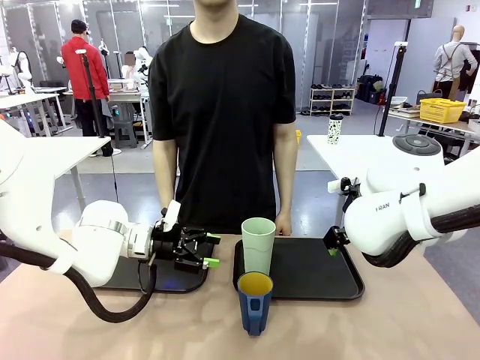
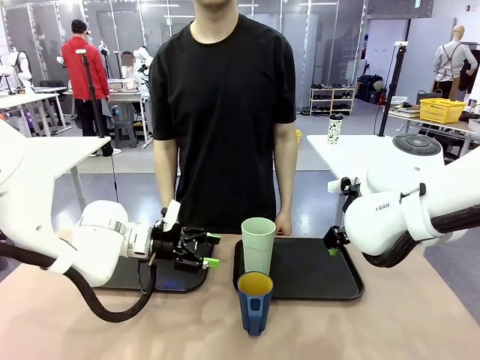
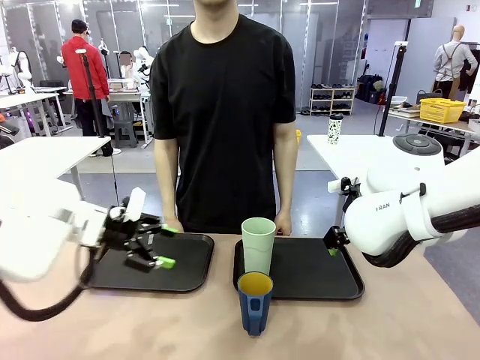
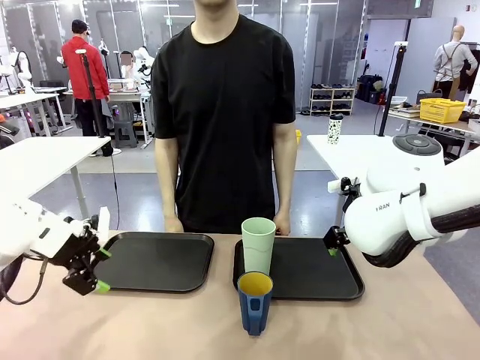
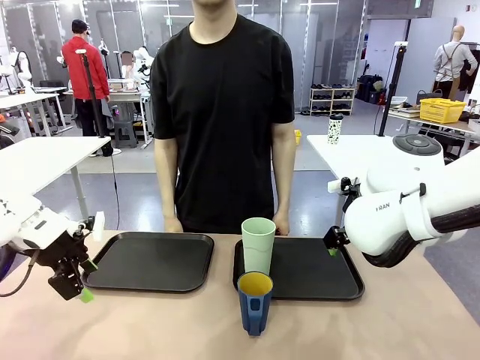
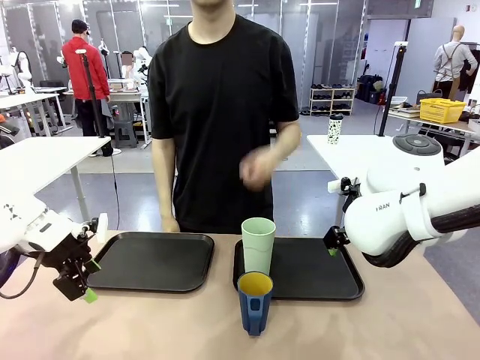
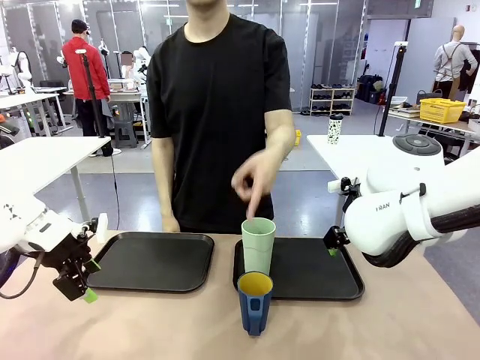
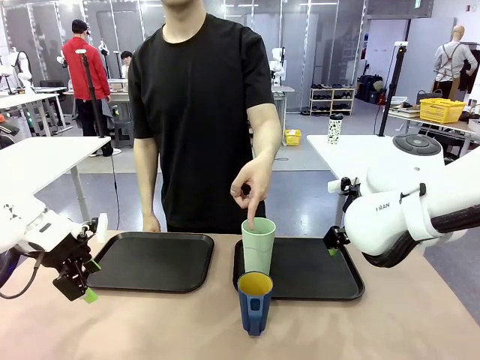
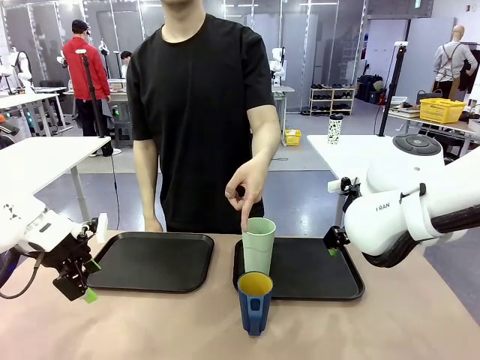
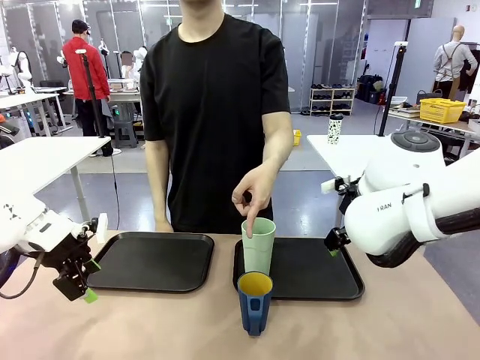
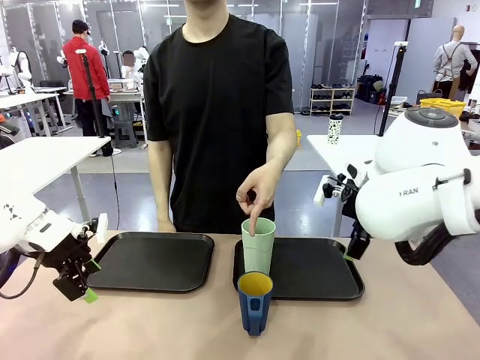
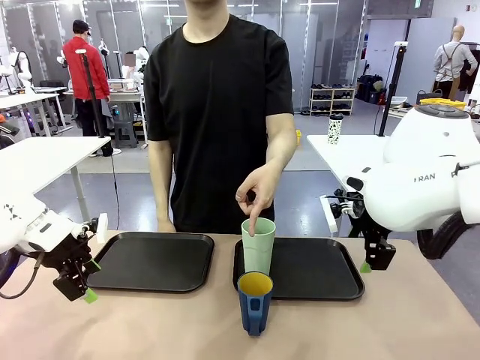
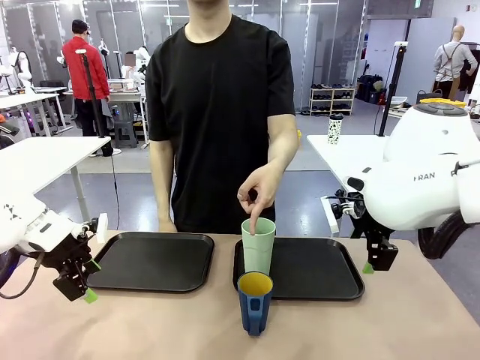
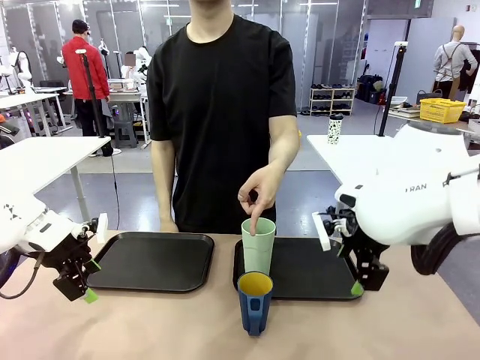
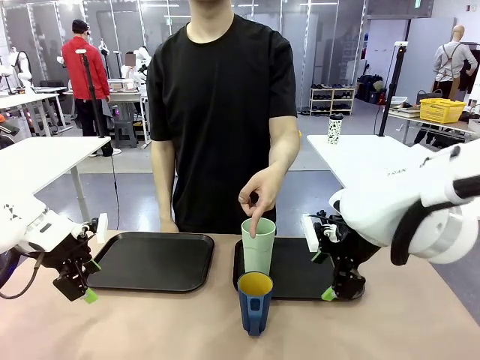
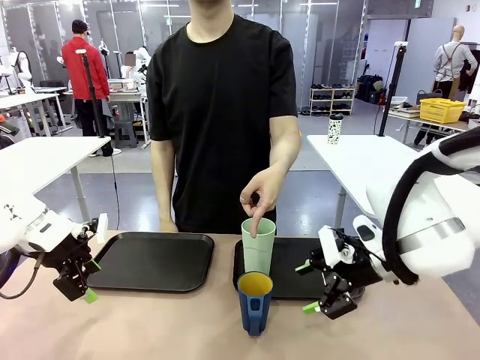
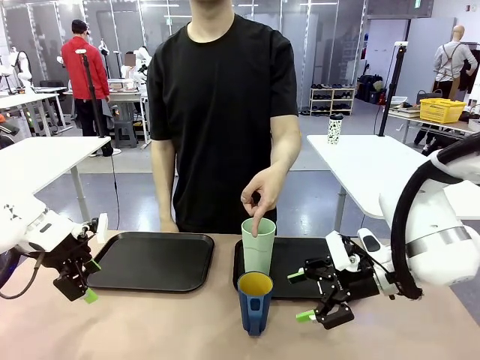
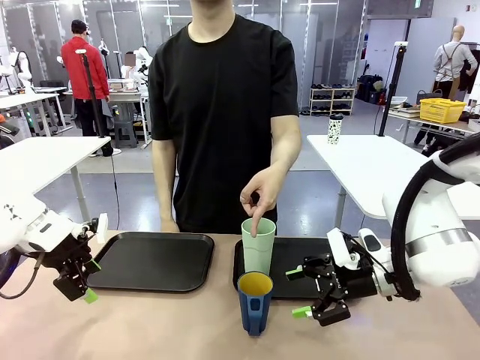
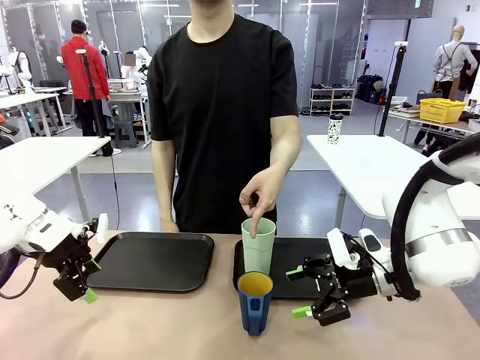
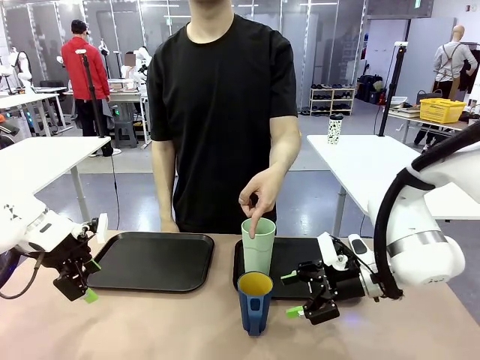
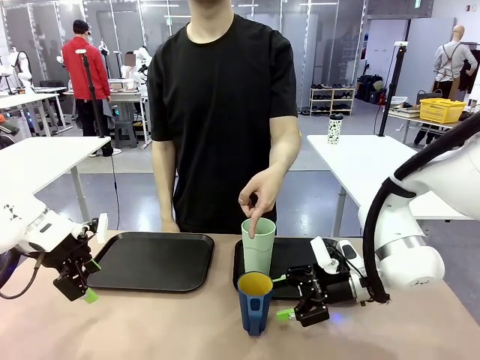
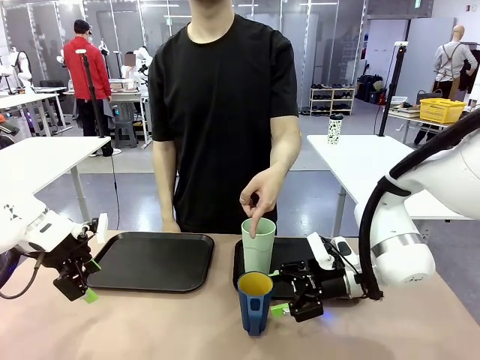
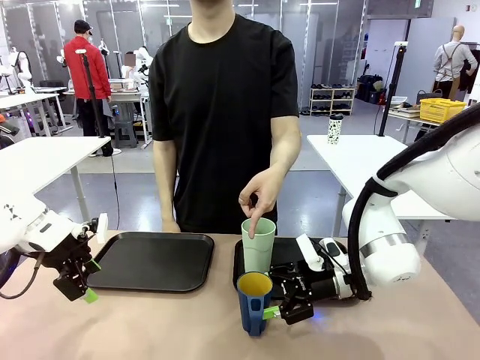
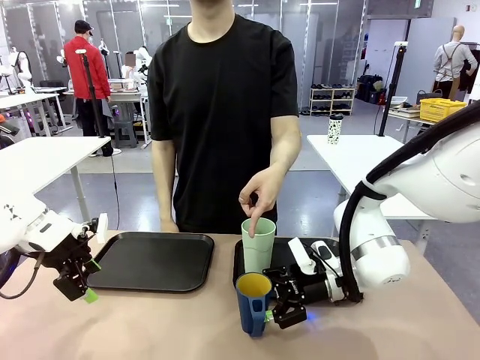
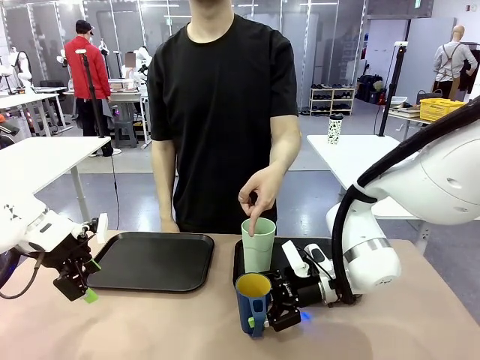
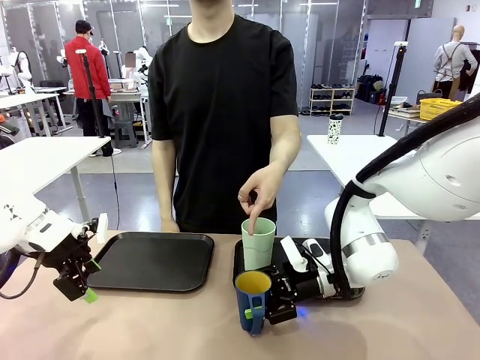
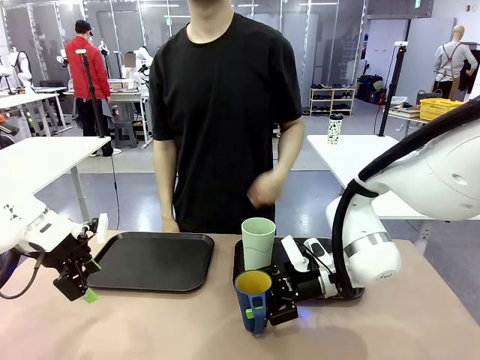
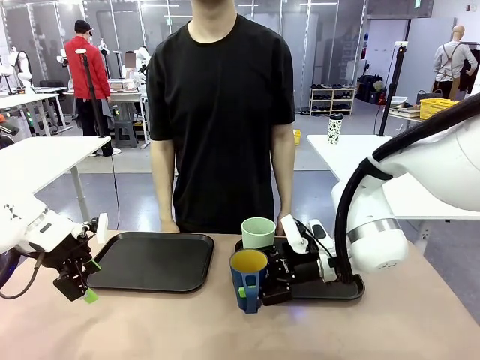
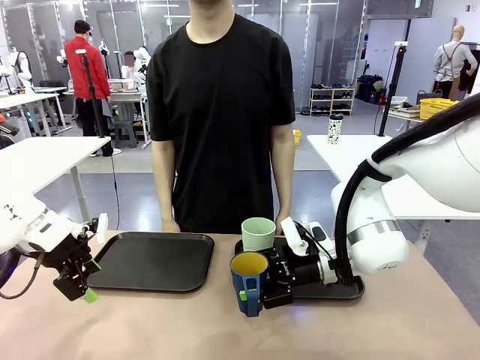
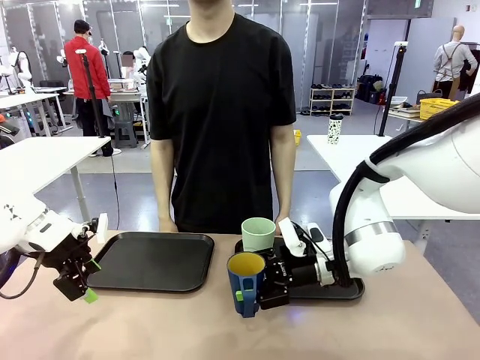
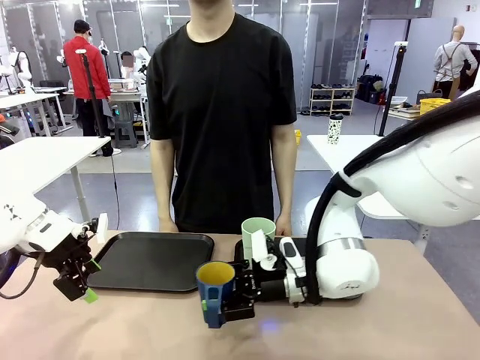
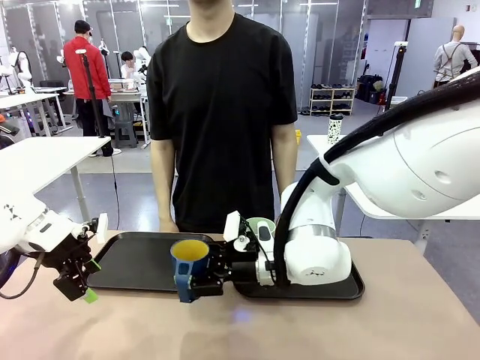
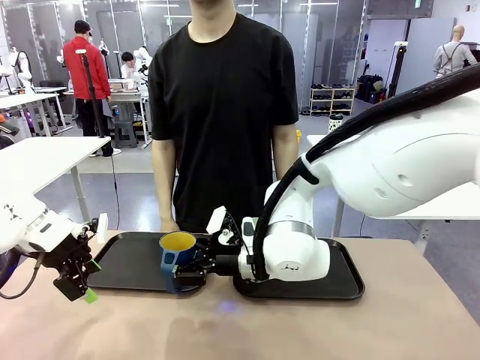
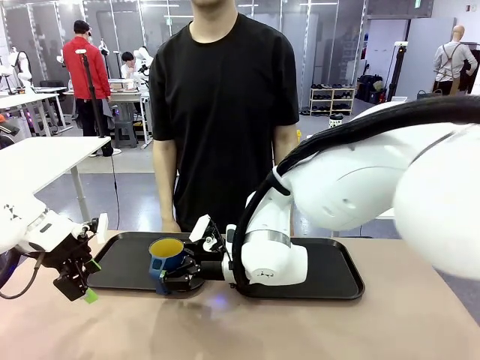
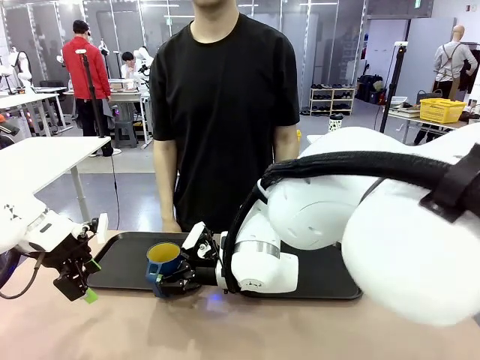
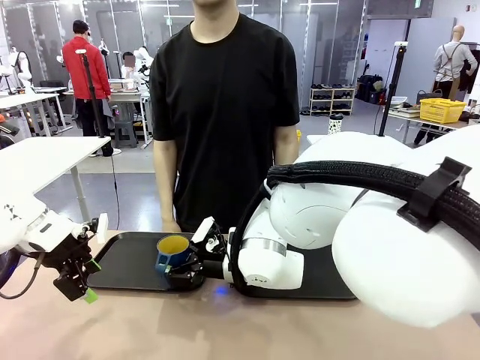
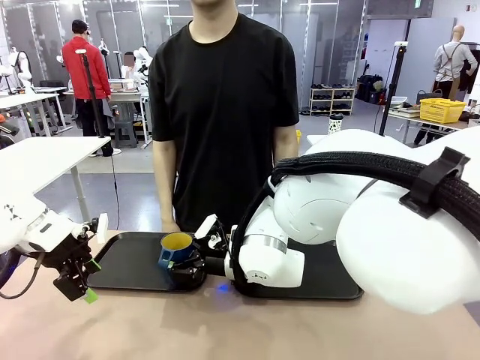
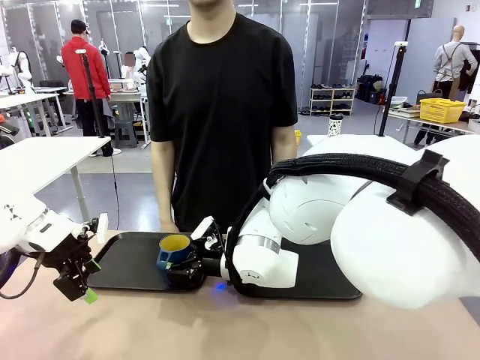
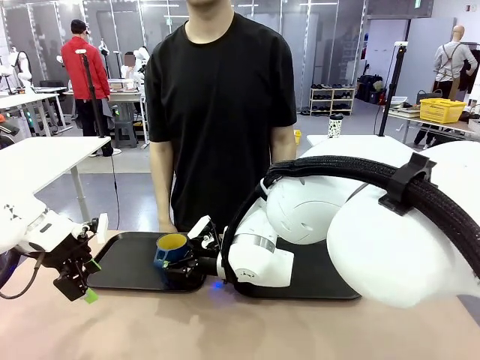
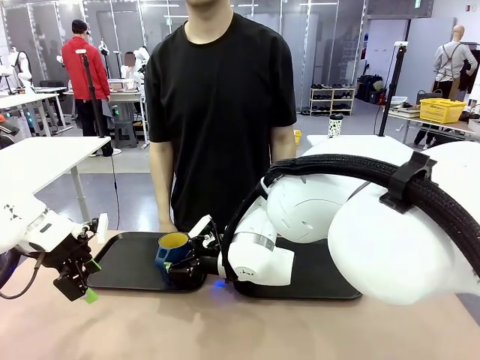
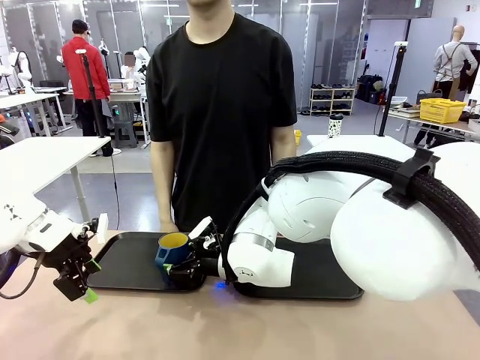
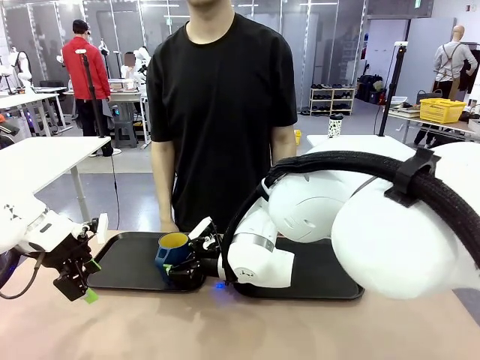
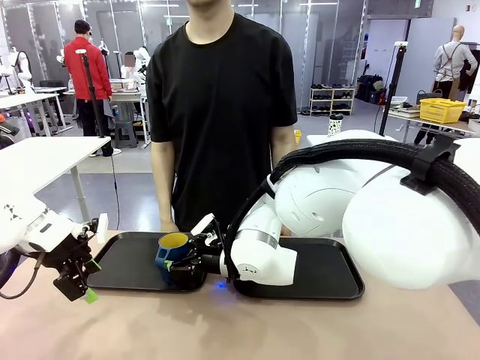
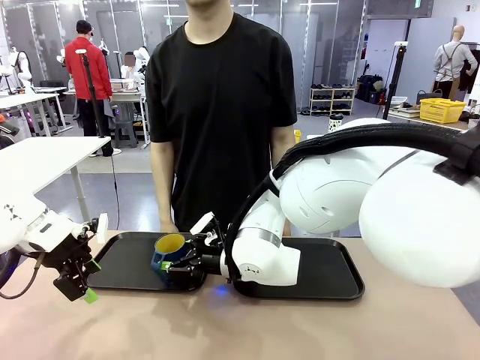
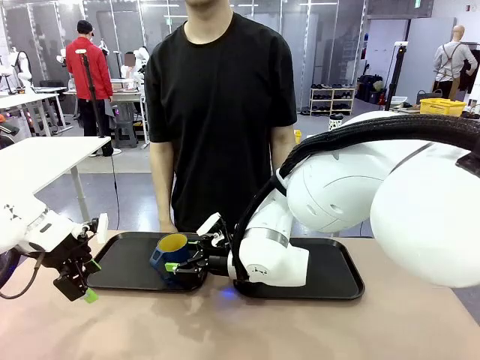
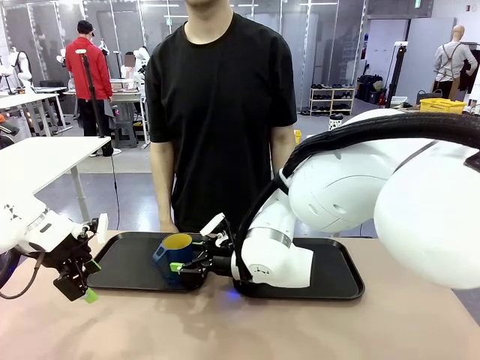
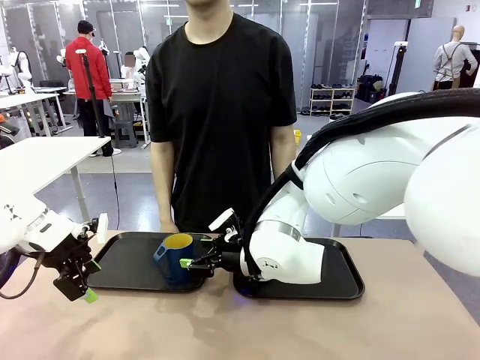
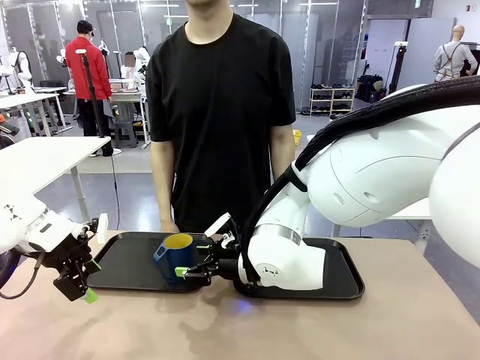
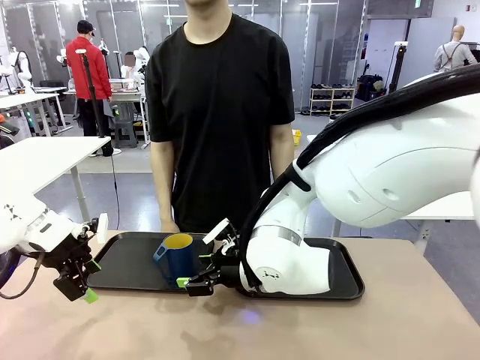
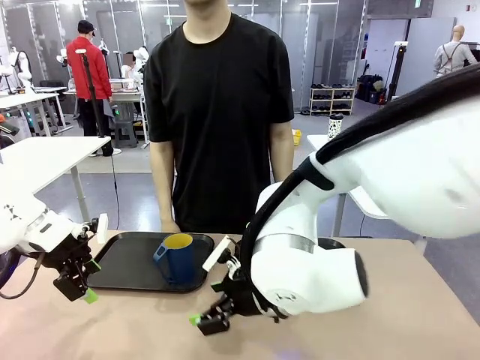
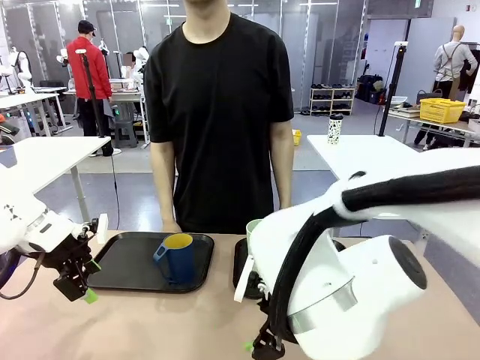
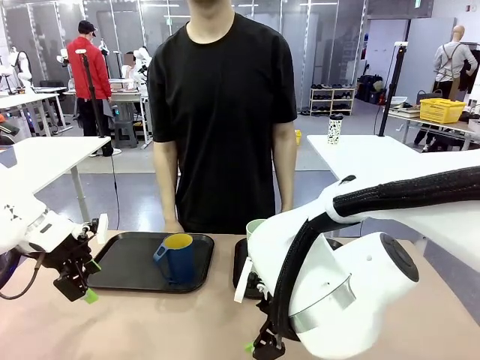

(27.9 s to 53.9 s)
Task: Sort and store the cups by type.
Robot: Pick up the Handle plastic cup and place it into the empty Flat Tray.
Person: Points to the cup with a handle.
